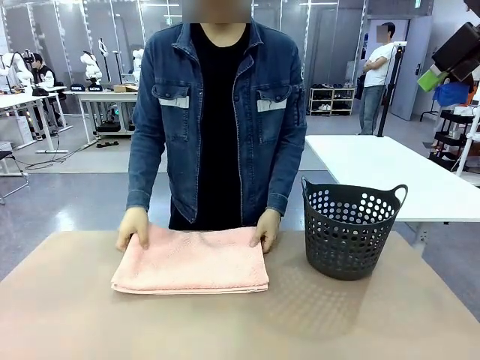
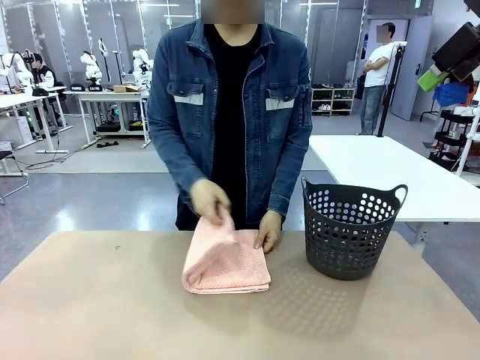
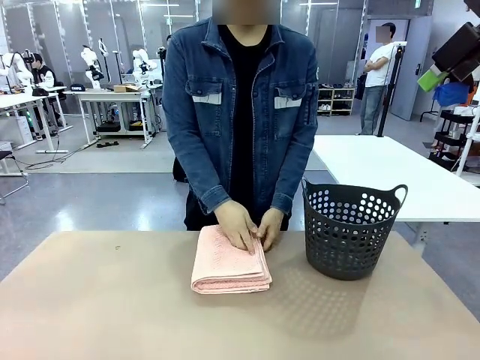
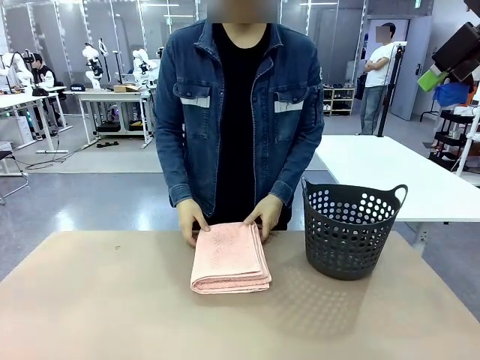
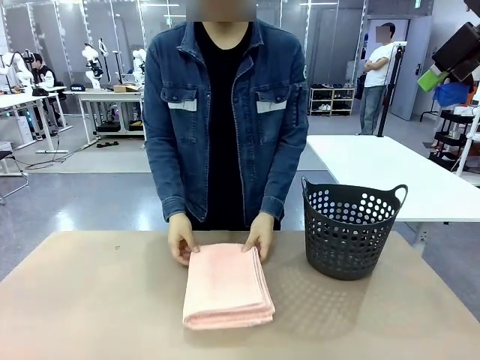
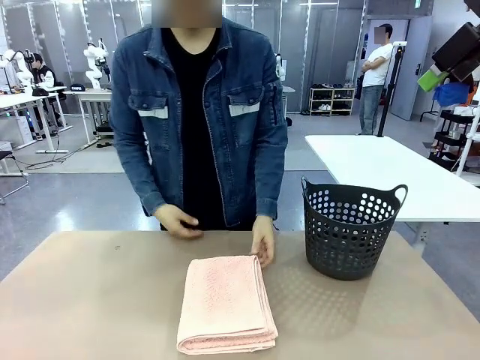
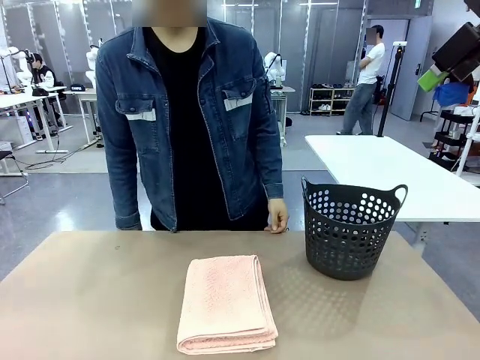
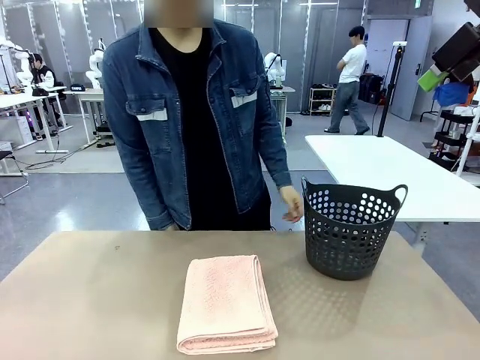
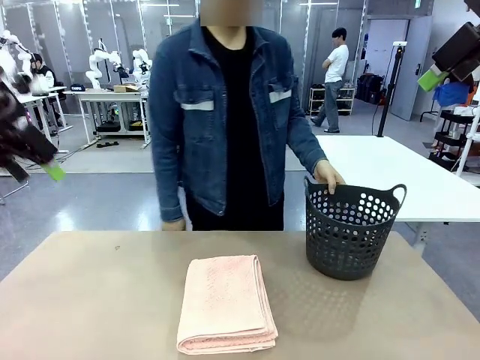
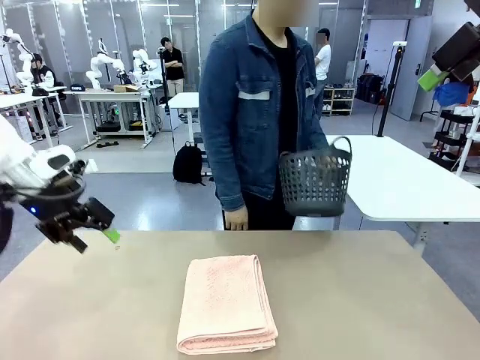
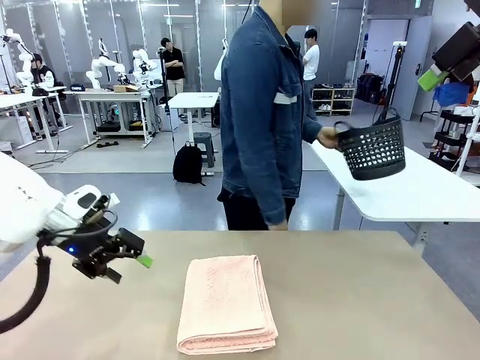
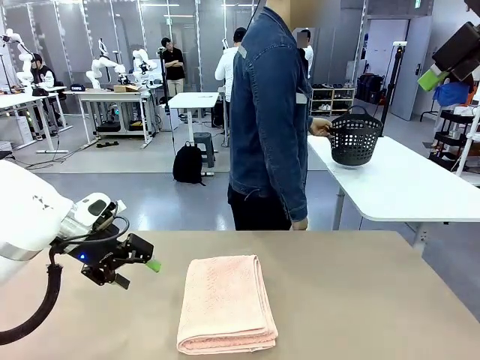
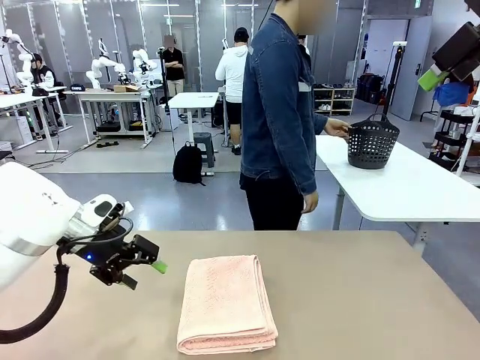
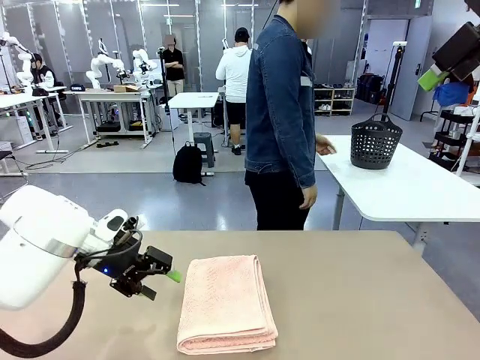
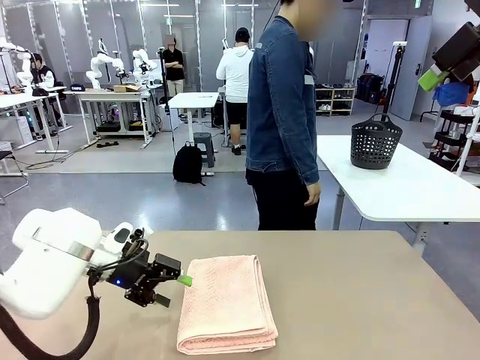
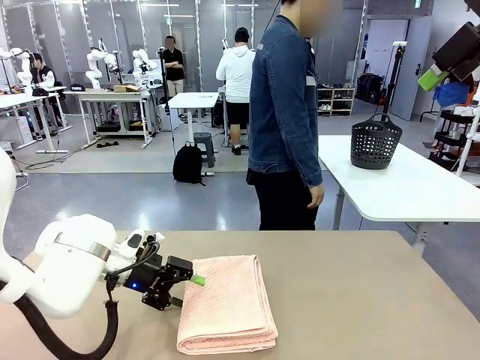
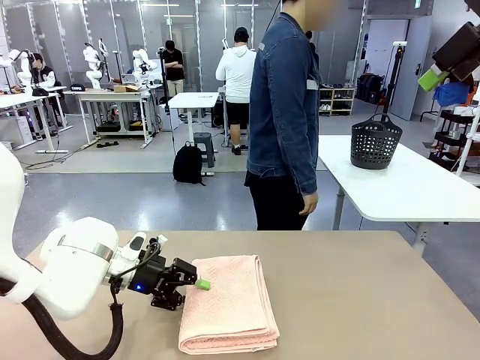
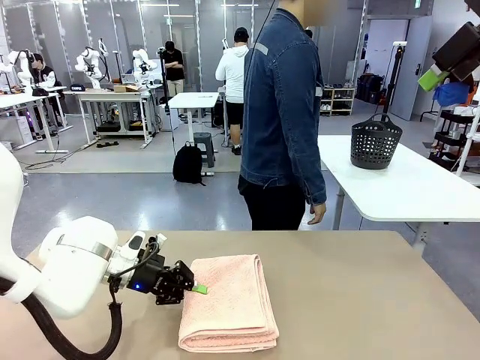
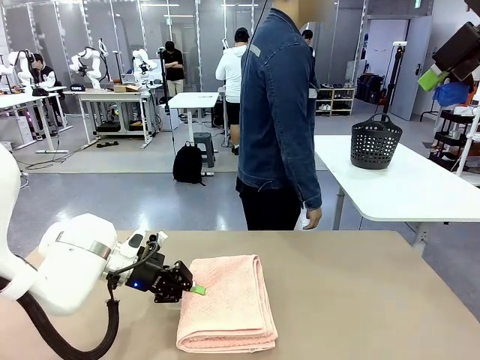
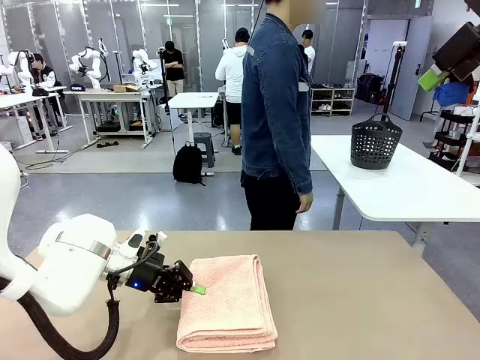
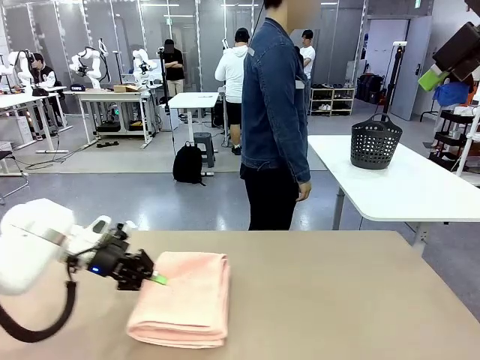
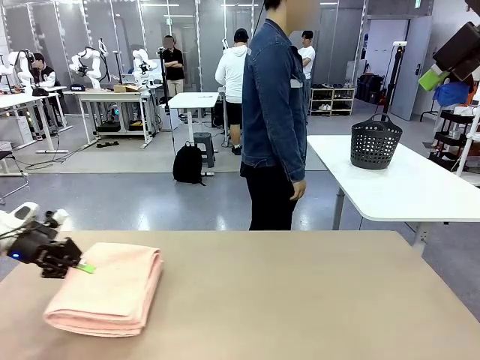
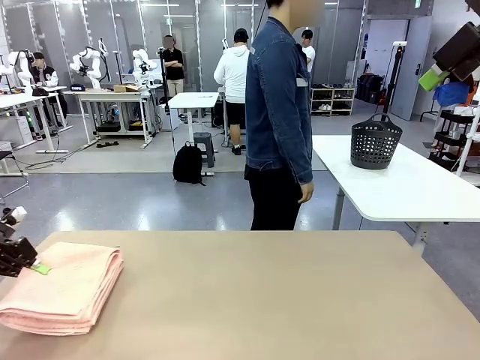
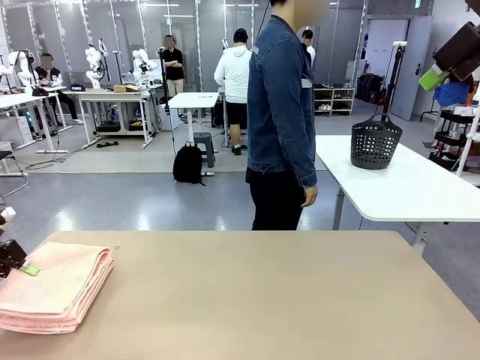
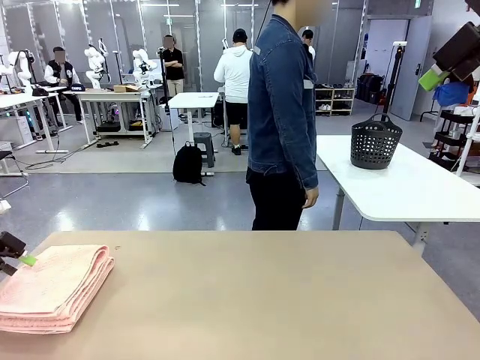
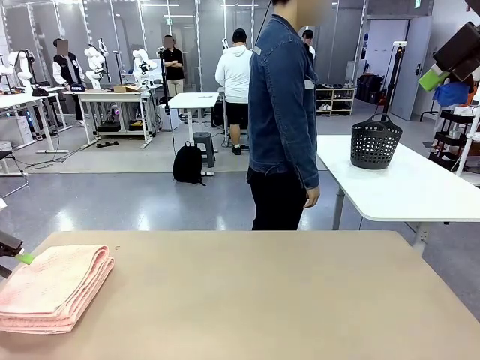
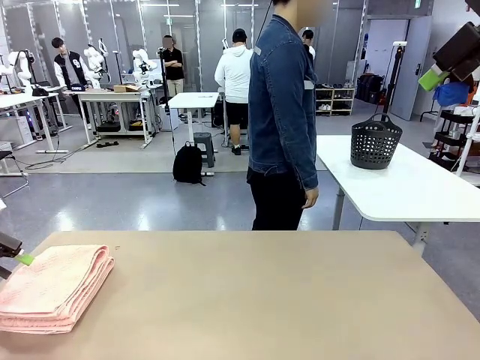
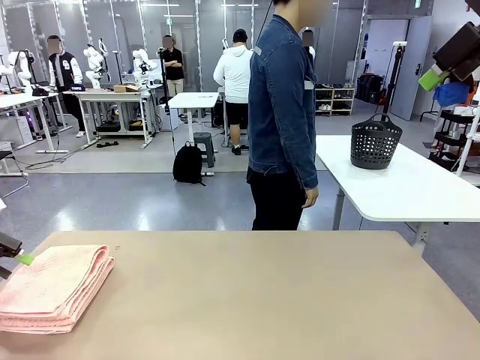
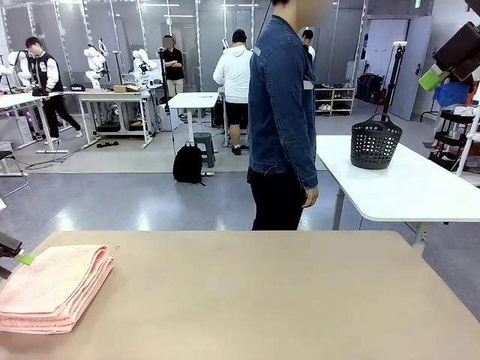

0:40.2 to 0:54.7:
Task: Fold the towel.
Robot: Pick up the 100 cm Hotel Towel and place it on the left side of the table.
Person: Place the towel at the center of the robot table and fold it in half. Pick up the laundry basket and place it at the center of the human table.

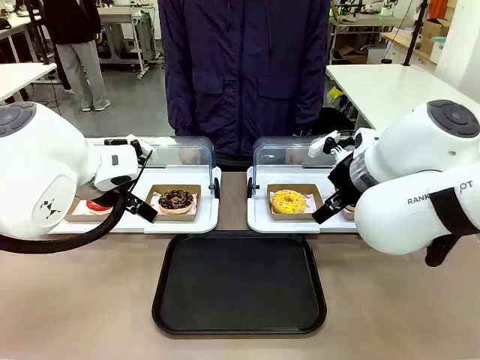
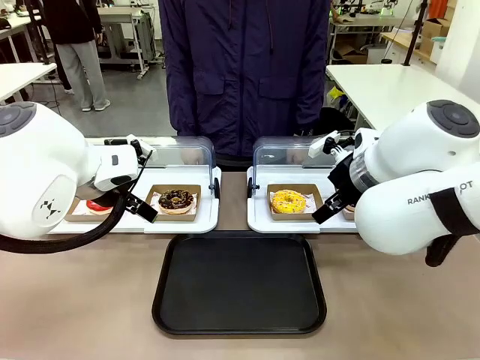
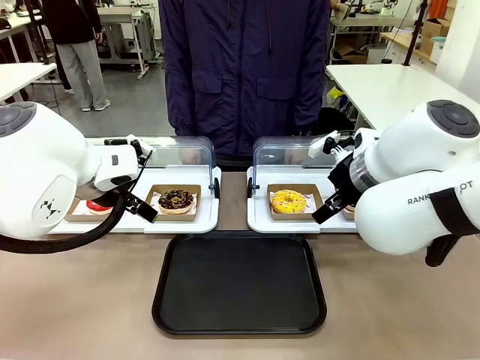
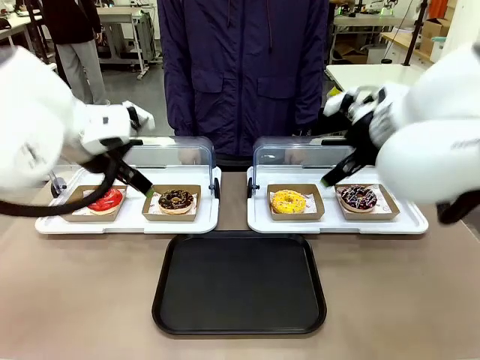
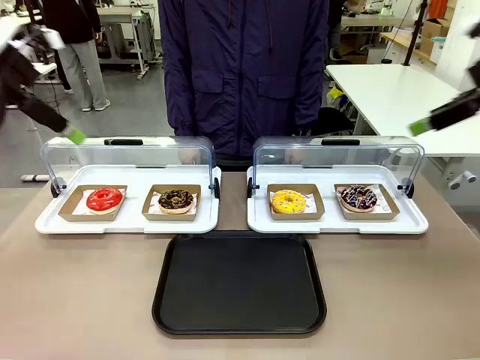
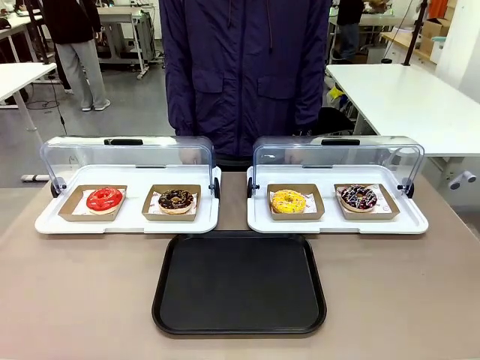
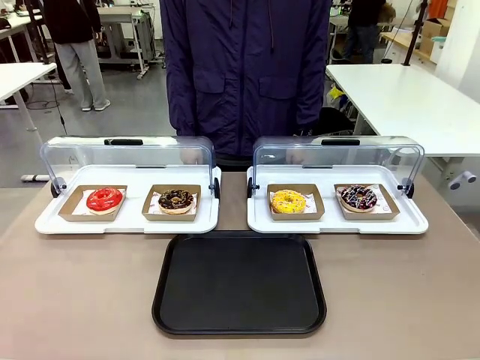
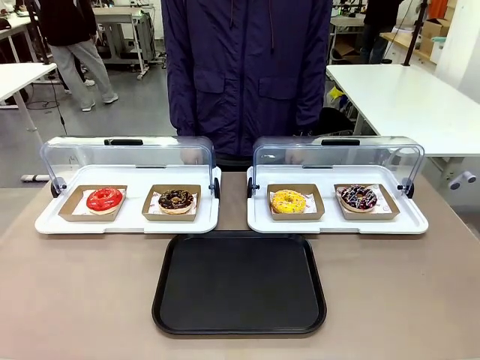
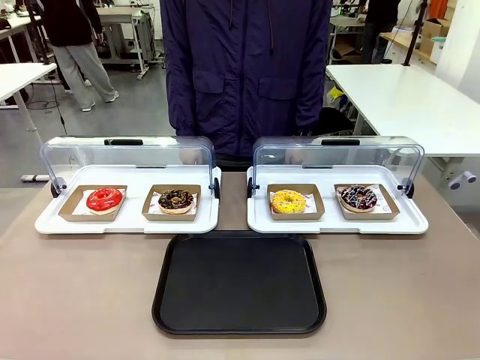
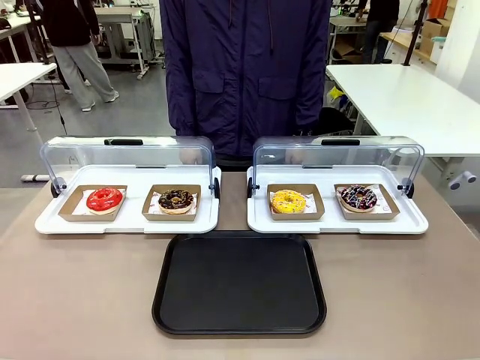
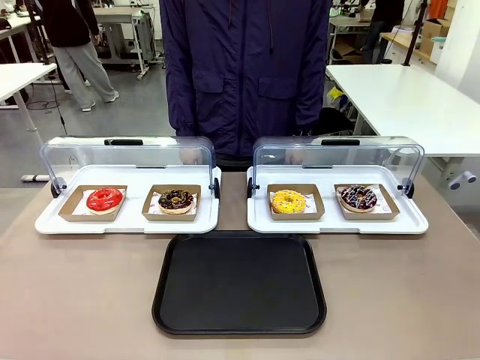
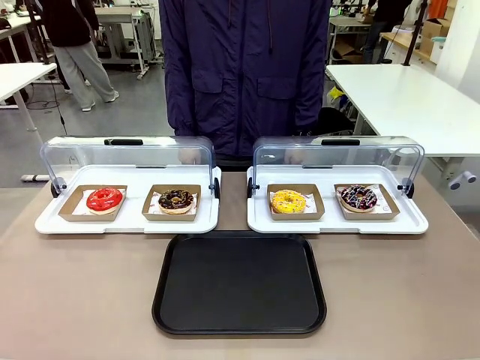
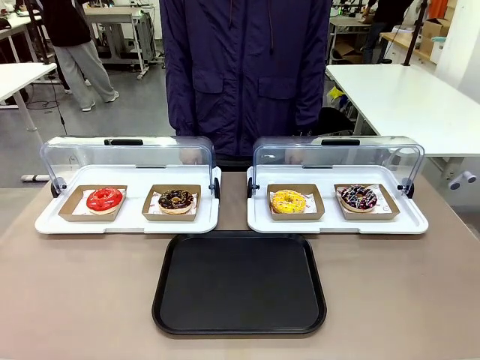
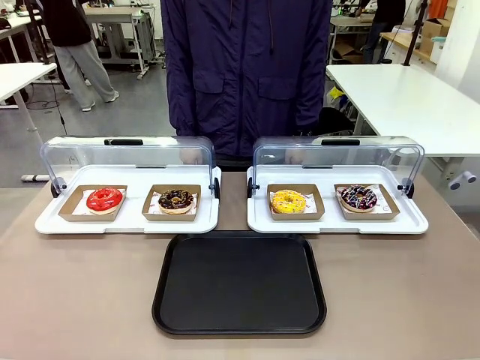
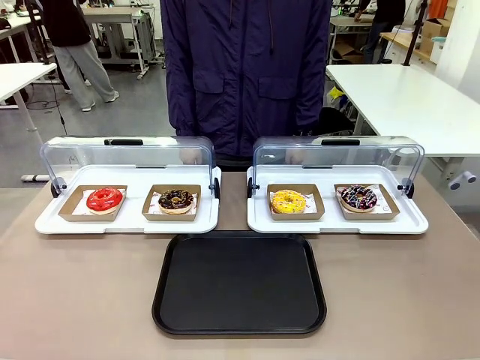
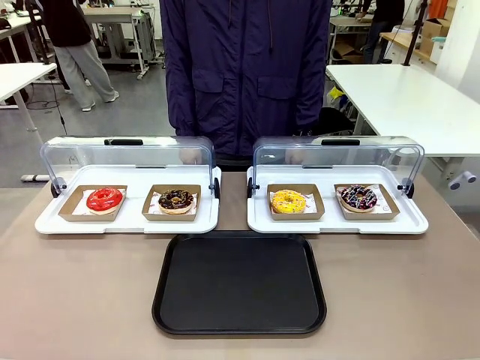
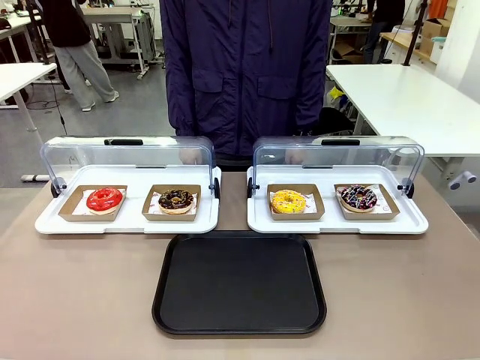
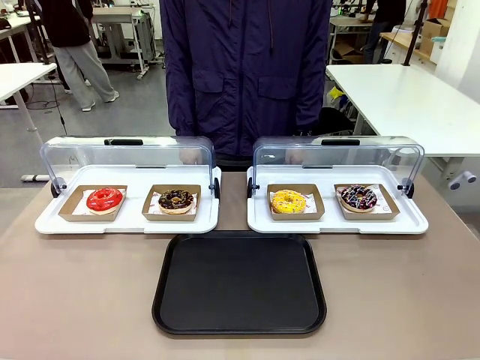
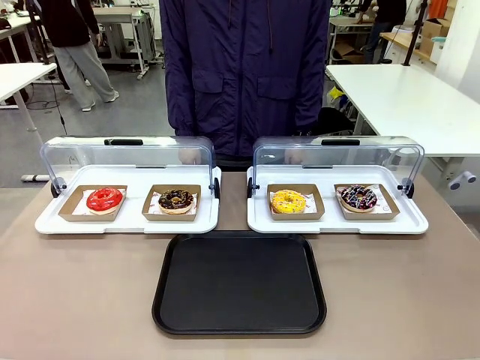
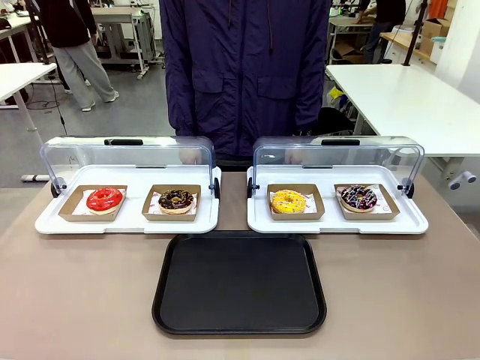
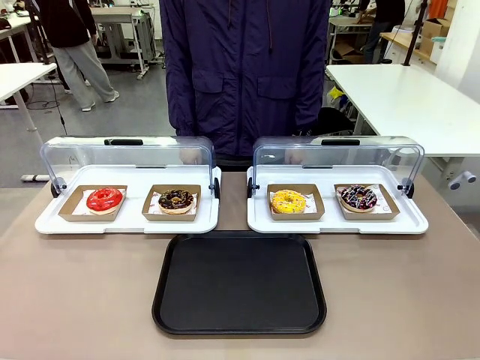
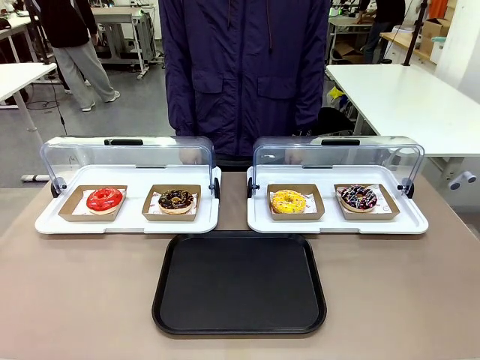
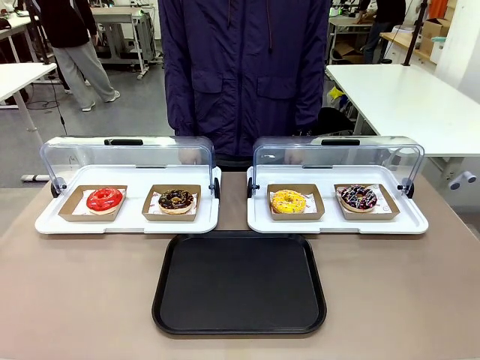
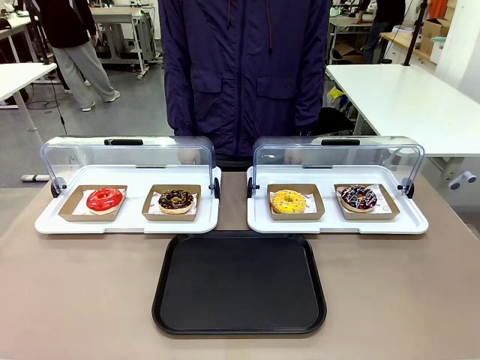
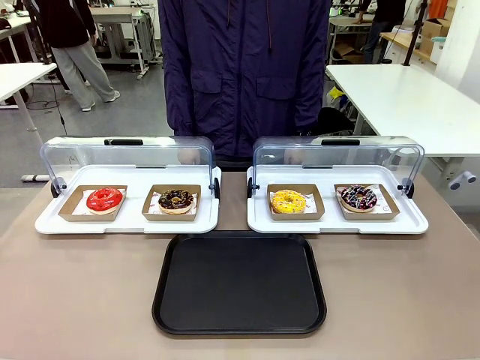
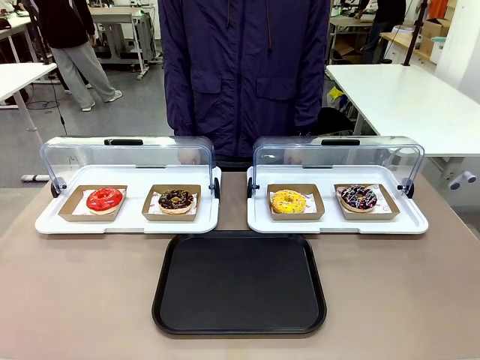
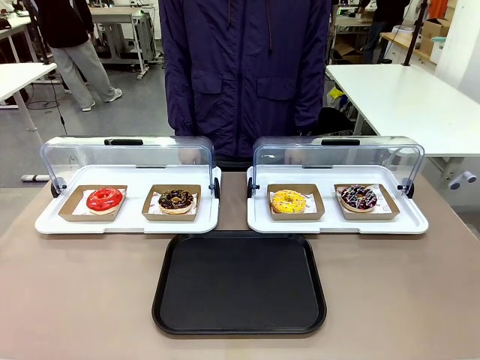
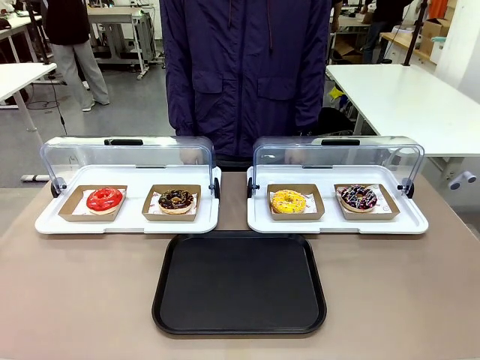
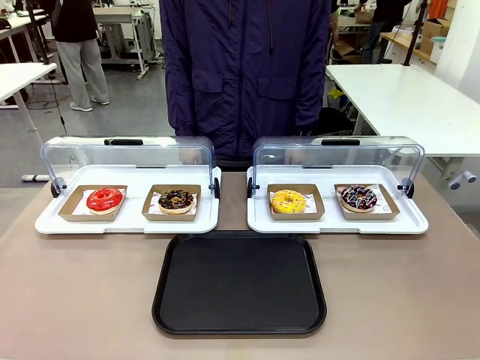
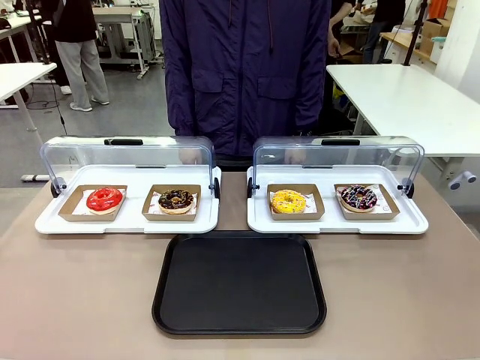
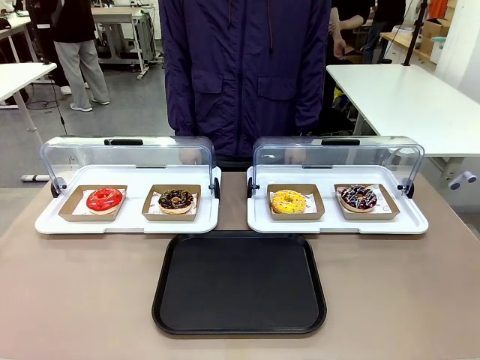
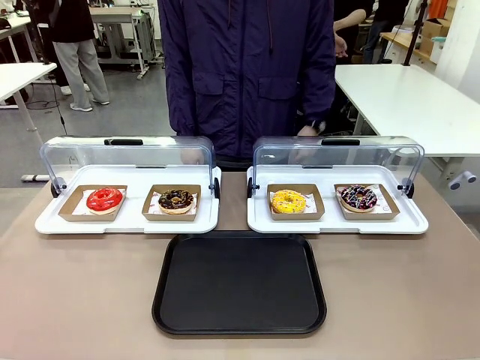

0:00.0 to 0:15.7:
Task: Move the fourth donut from the left to the tray.
Robot: Pick up the Paper togo box containing the Donut indicated by the person and place it on the Handle tray.
